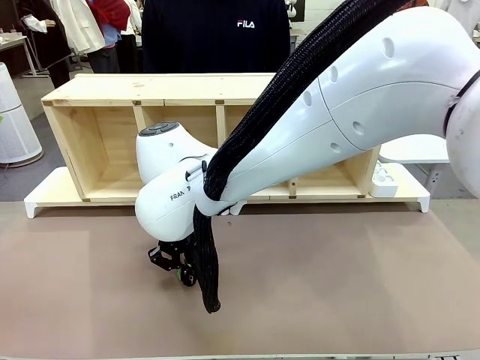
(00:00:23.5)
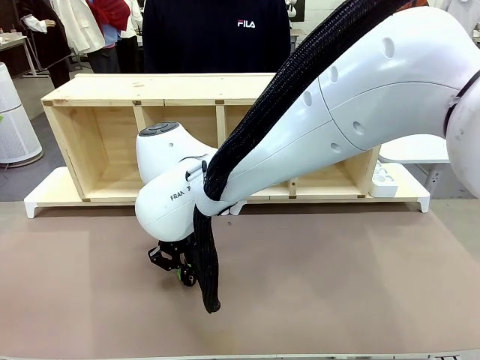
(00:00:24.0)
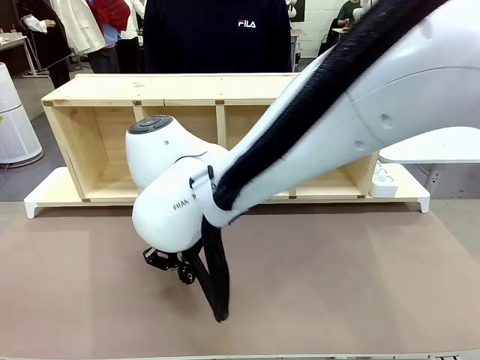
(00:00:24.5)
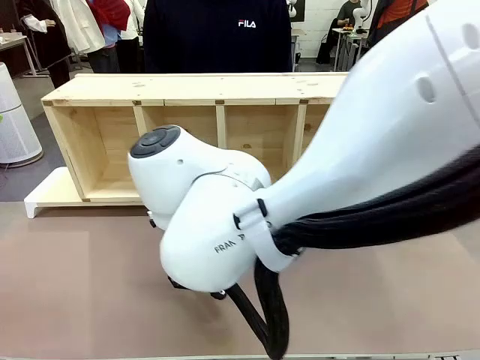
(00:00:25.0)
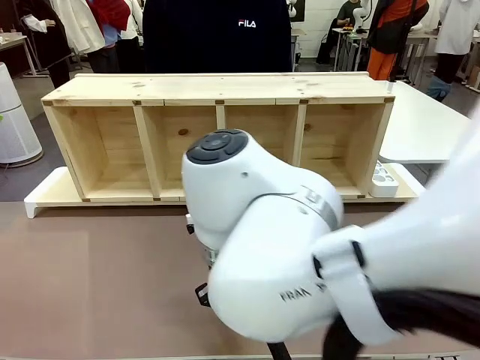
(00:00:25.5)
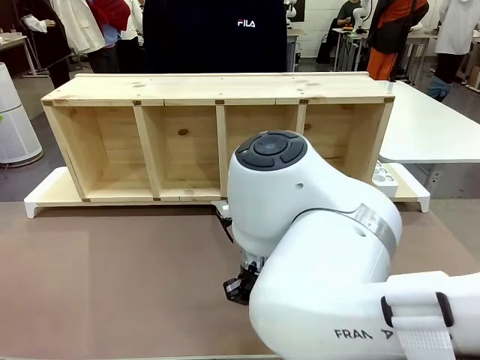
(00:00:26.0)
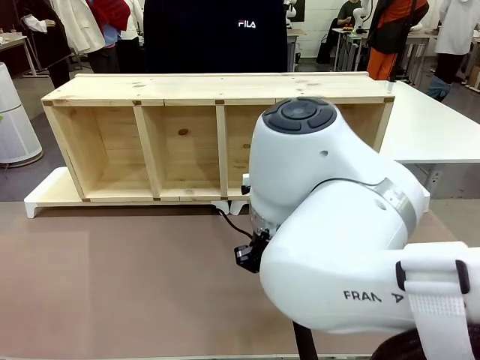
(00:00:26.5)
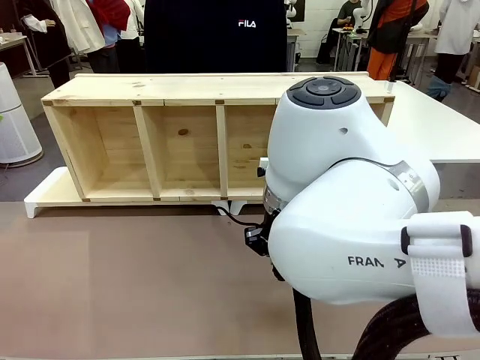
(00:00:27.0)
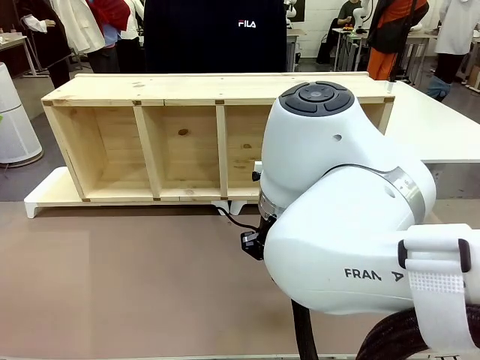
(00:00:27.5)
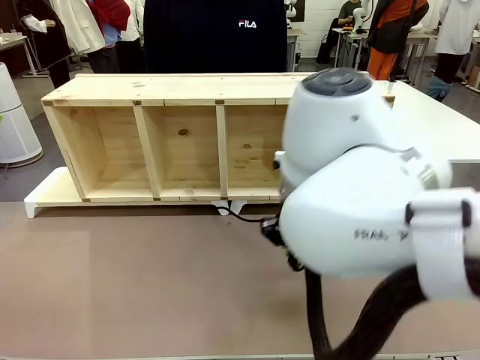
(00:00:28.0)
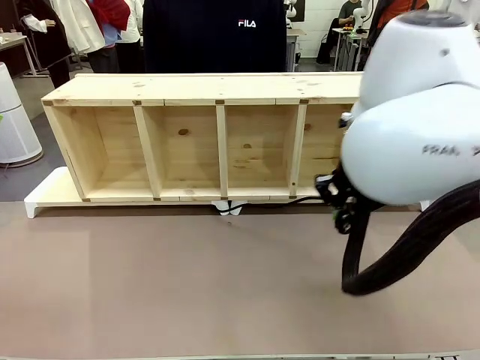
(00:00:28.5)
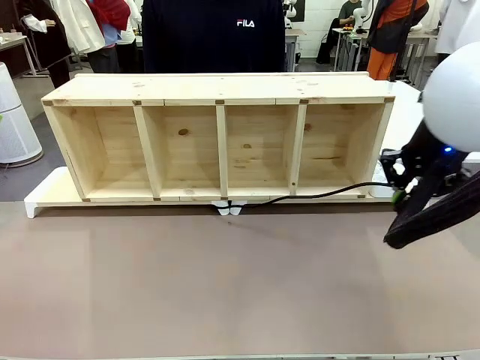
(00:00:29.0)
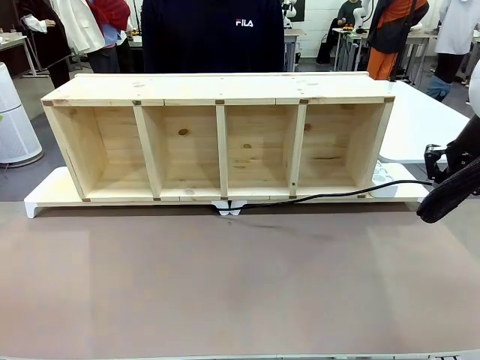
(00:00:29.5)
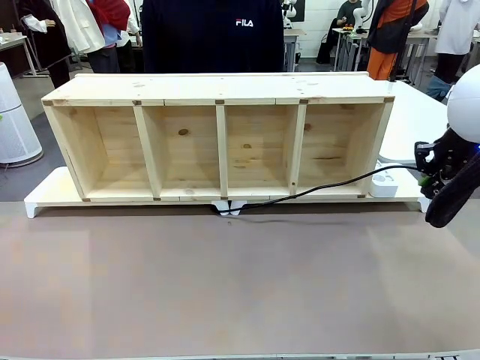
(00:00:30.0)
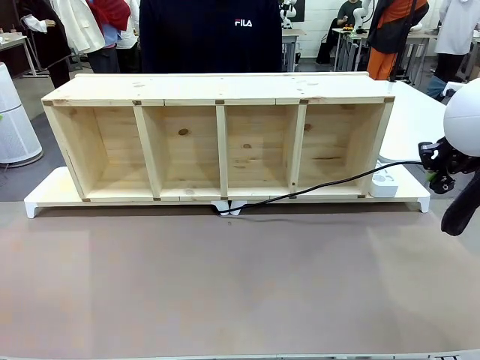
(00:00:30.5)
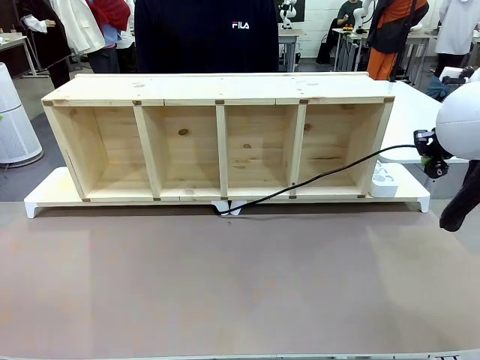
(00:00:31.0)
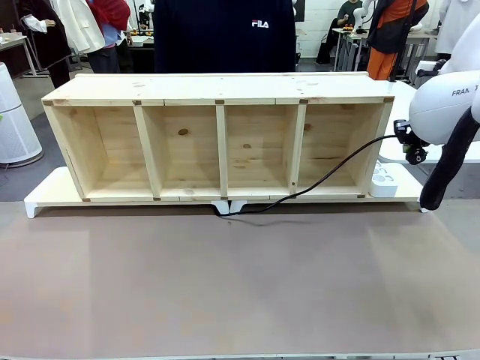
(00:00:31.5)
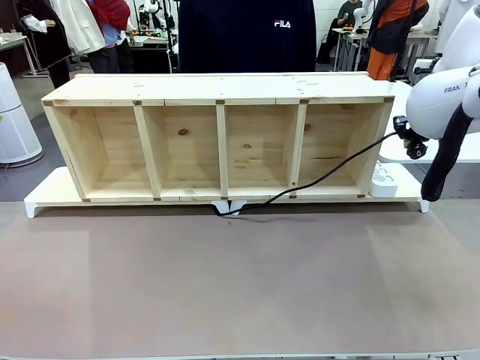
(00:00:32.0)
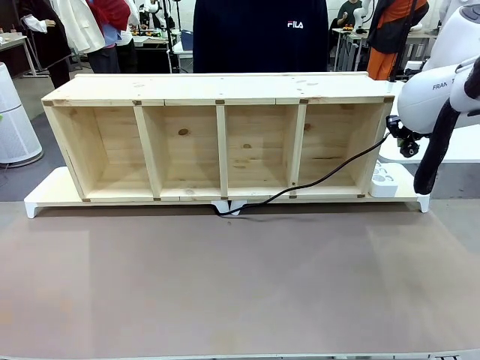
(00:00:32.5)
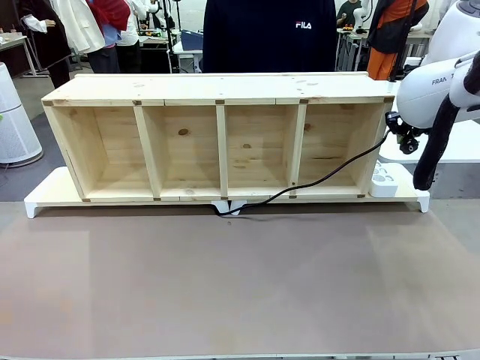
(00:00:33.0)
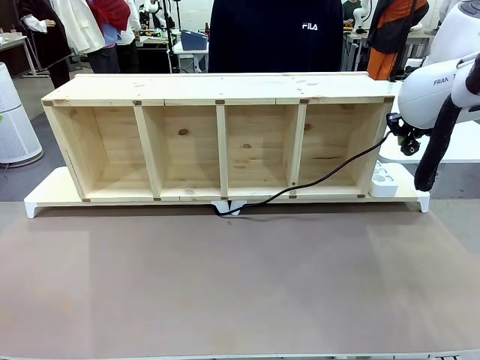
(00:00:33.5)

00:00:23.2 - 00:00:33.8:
Task: Perform cable management.
Robot: Pull the grasped Power Cable to the location of the Power Strip.

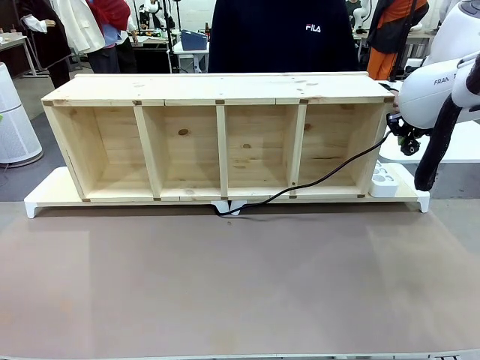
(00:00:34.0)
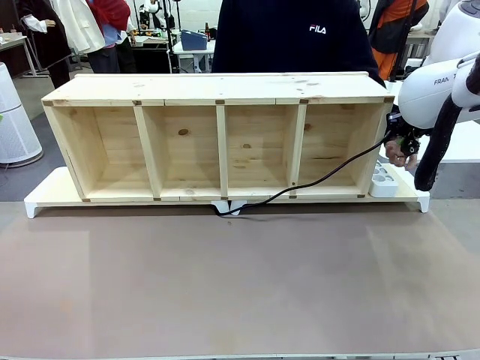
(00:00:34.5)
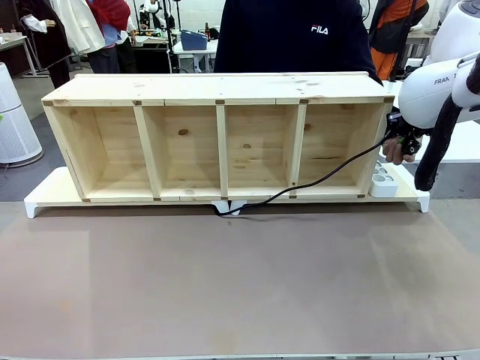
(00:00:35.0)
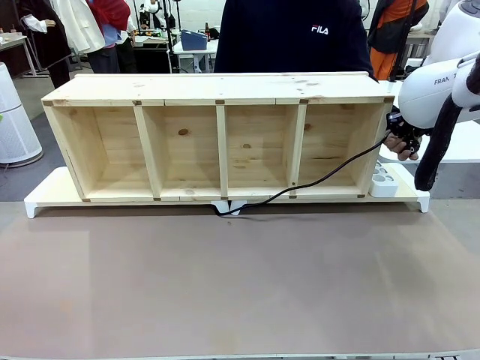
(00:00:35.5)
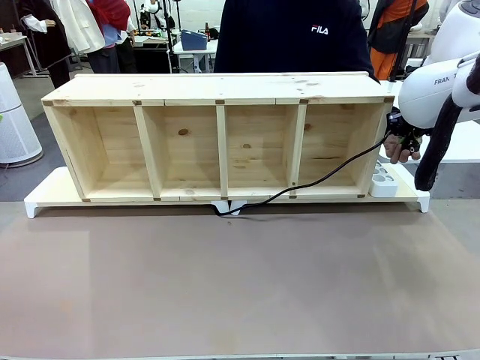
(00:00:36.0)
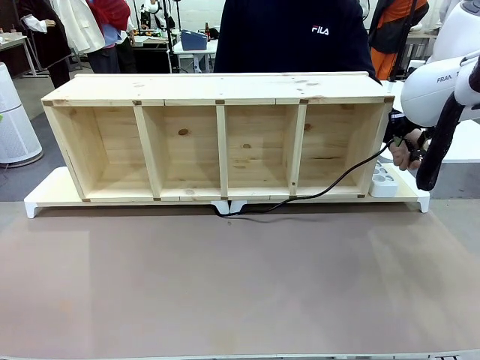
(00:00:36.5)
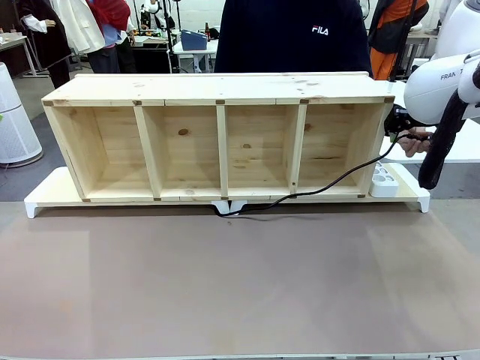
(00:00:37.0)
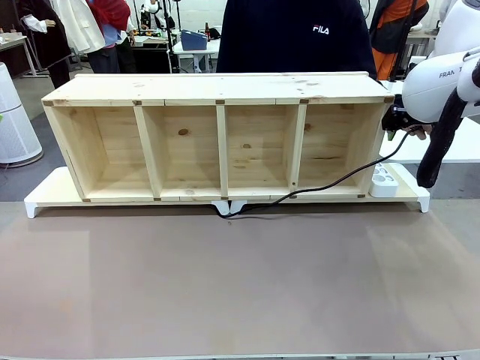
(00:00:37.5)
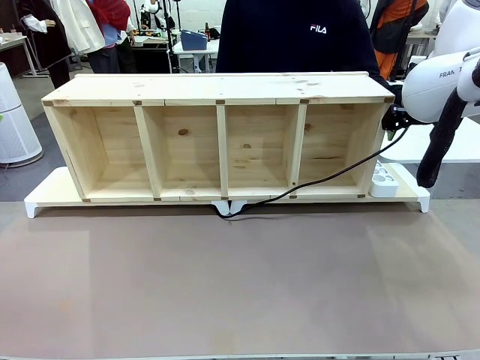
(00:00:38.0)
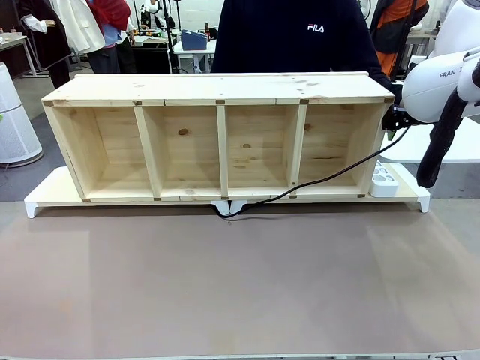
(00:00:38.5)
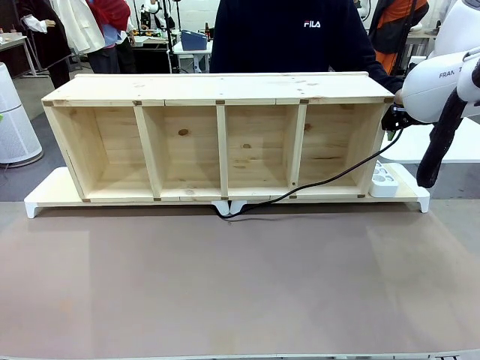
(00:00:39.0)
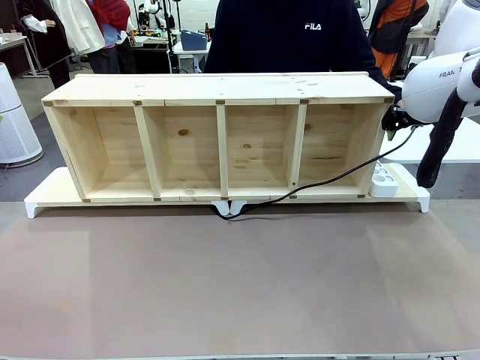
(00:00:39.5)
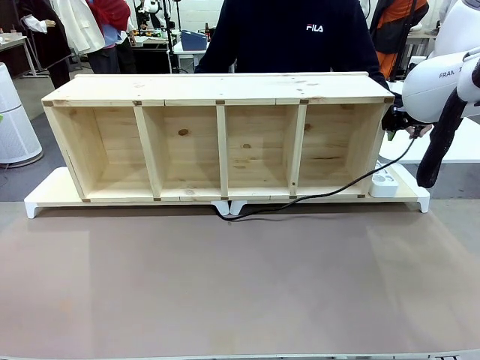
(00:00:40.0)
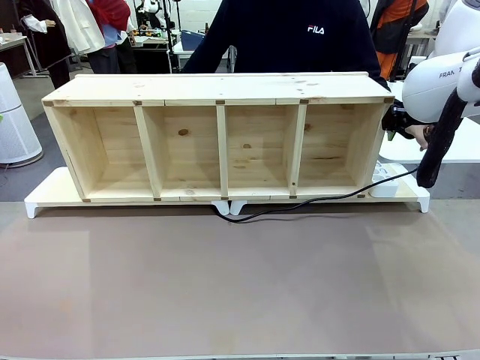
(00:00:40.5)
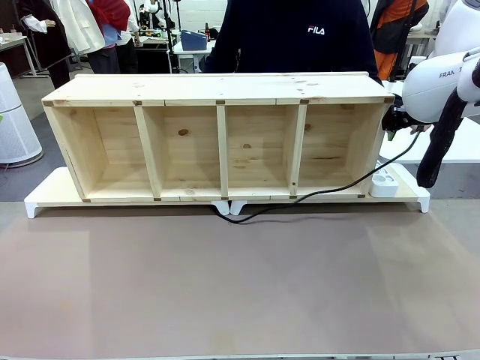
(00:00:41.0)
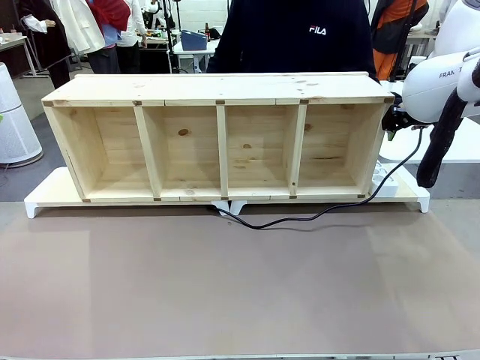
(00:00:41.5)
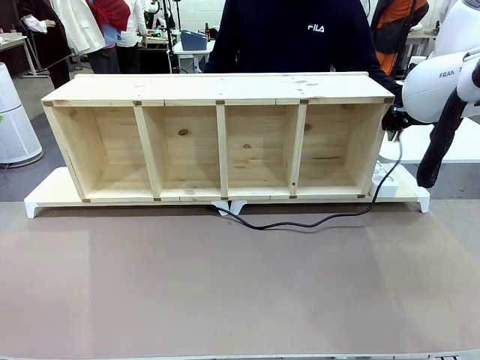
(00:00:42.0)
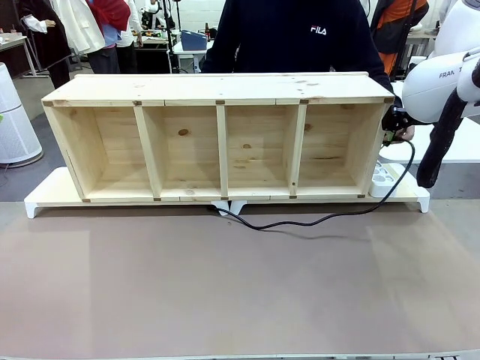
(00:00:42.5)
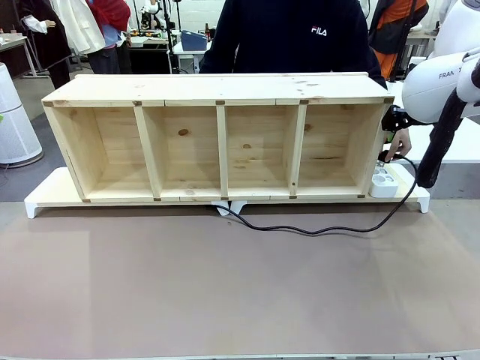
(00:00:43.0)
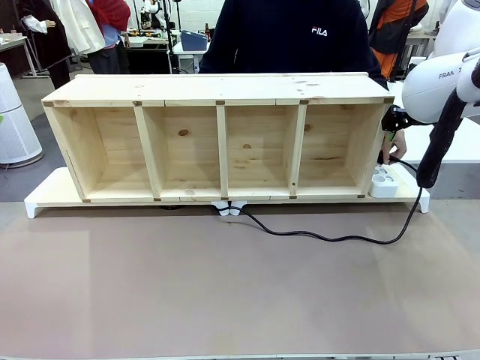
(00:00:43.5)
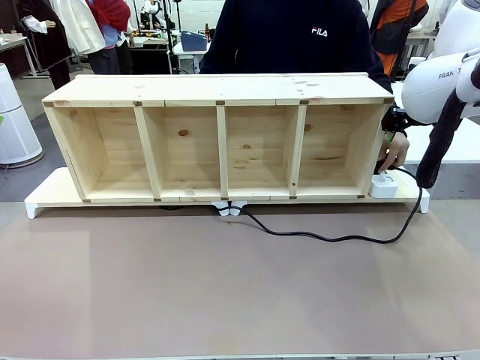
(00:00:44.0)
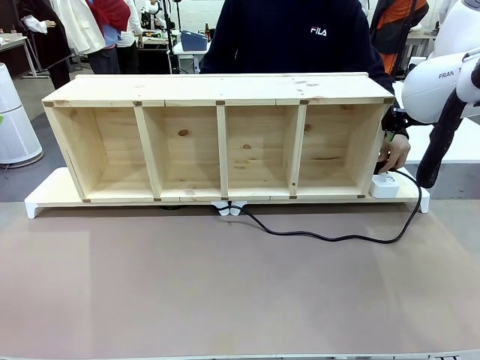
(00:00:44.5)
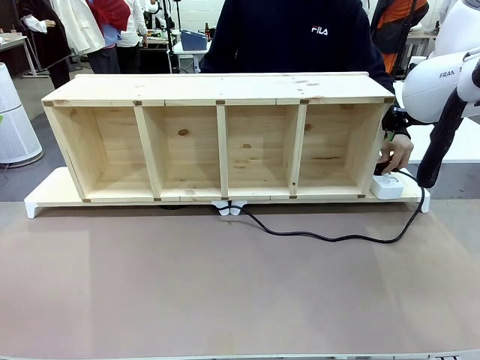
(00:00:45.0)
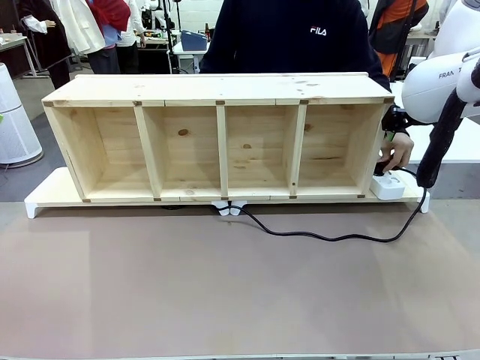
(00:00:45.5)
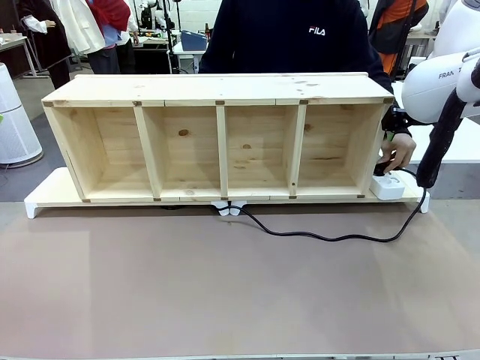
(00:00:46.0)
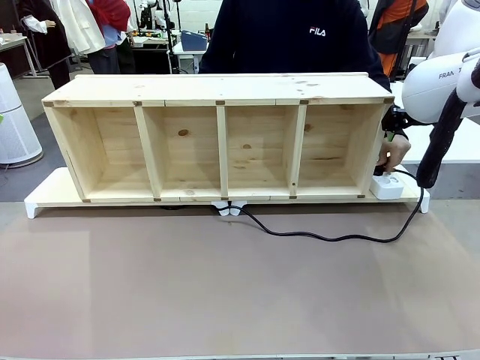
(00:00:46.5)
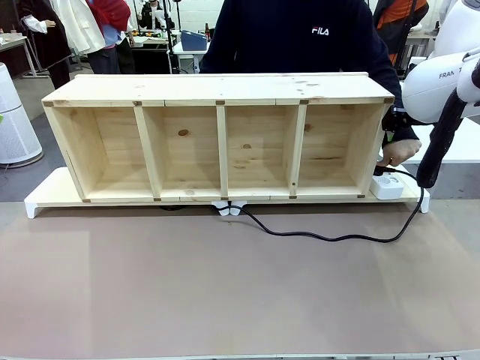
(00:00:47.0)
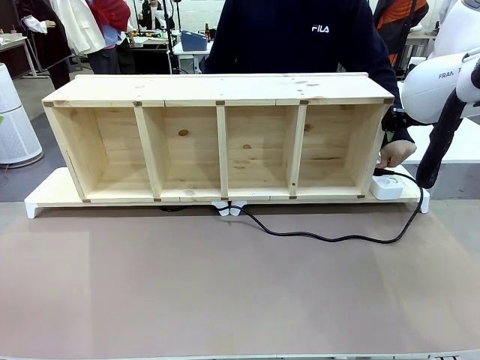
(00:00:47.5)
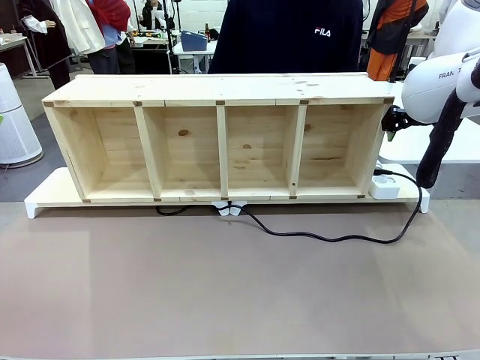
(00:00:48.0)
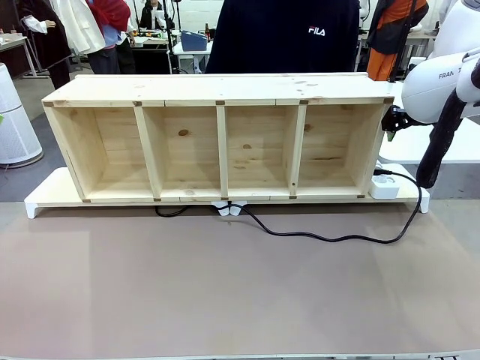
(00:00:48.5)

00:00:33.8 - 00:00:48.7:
Robot: Release the Power Cable when the human grasps it.
Person: Plug the Power Cable into the Power Strip.
